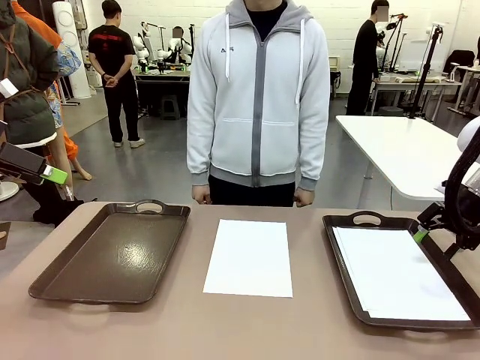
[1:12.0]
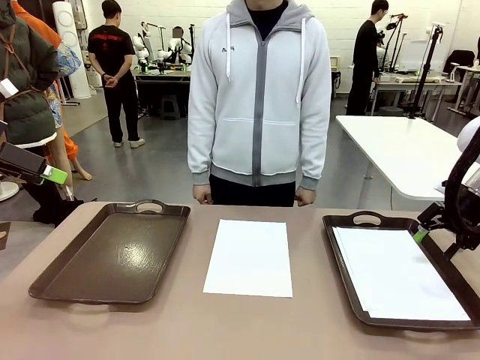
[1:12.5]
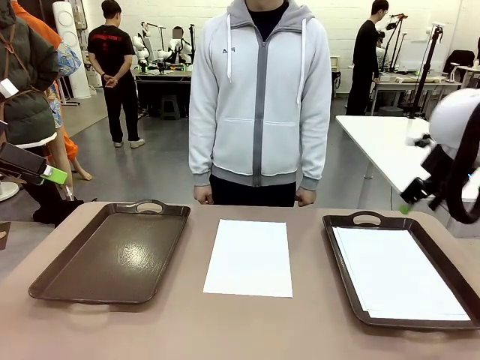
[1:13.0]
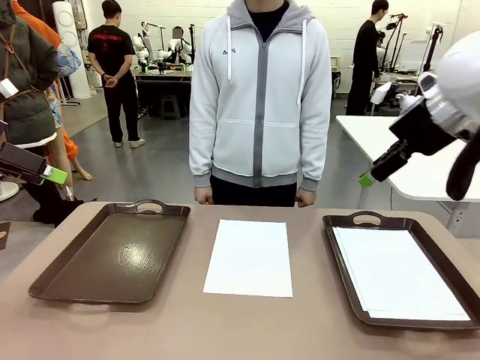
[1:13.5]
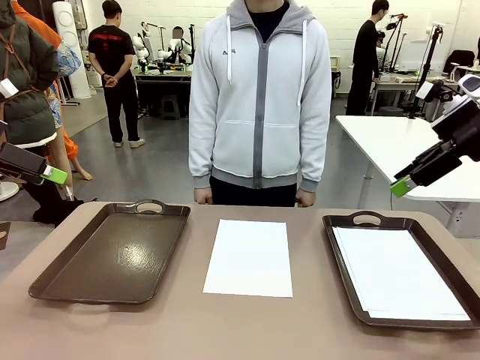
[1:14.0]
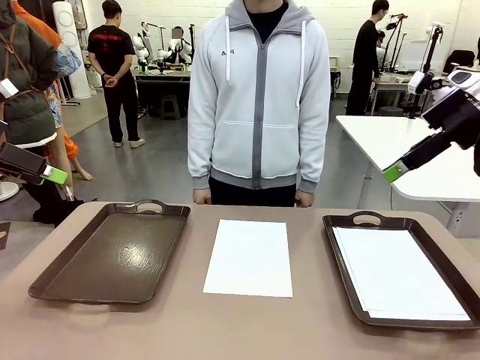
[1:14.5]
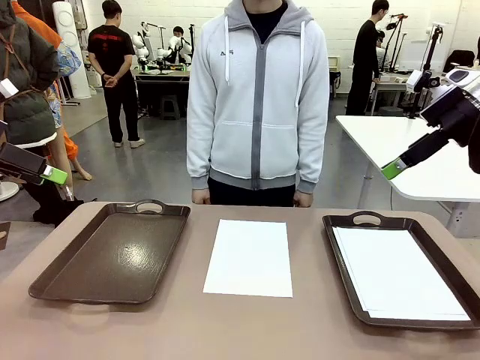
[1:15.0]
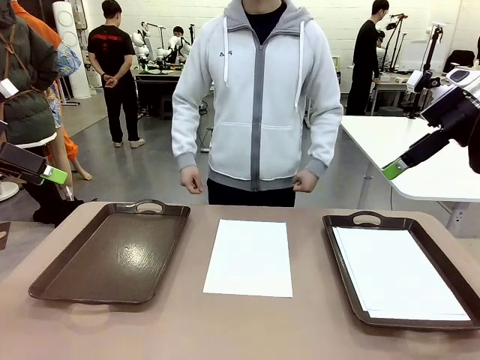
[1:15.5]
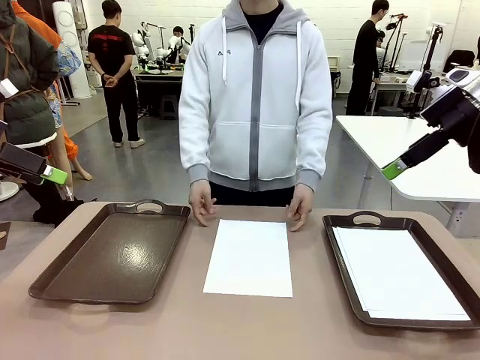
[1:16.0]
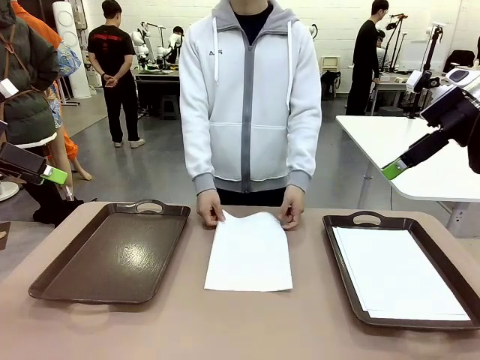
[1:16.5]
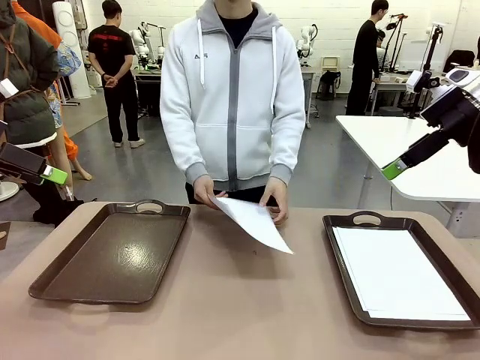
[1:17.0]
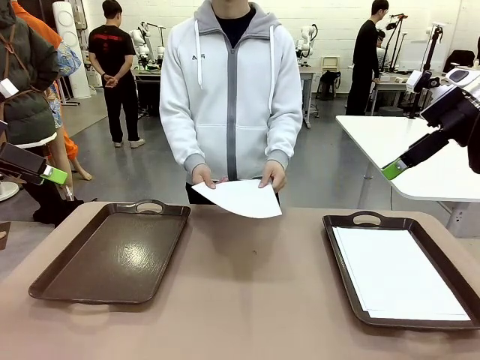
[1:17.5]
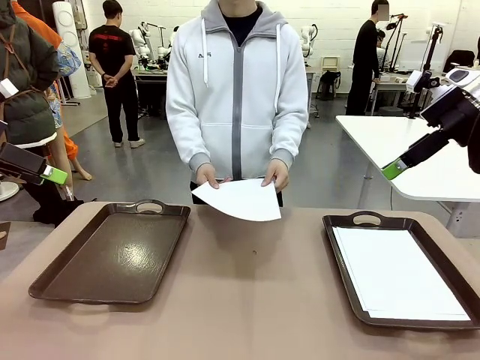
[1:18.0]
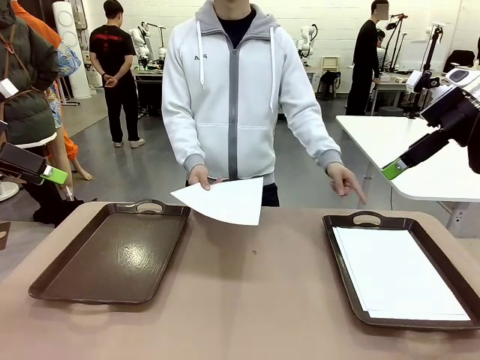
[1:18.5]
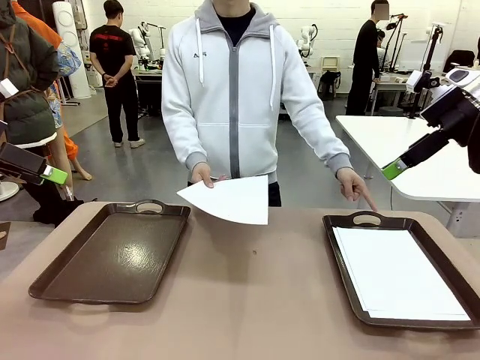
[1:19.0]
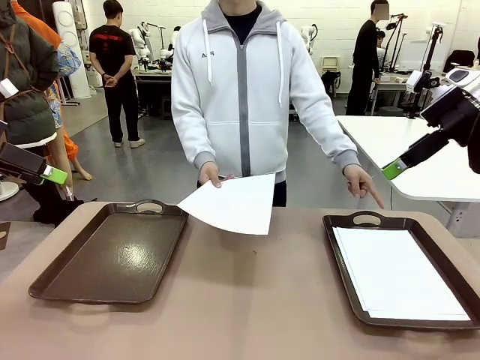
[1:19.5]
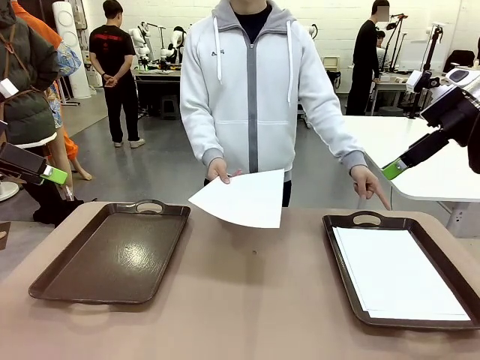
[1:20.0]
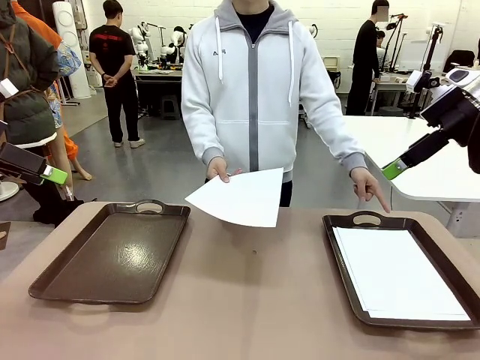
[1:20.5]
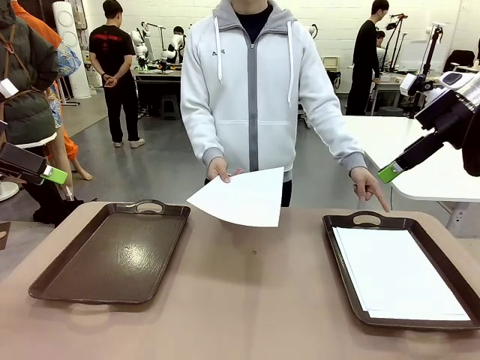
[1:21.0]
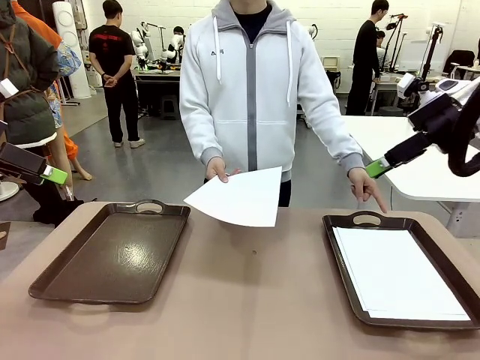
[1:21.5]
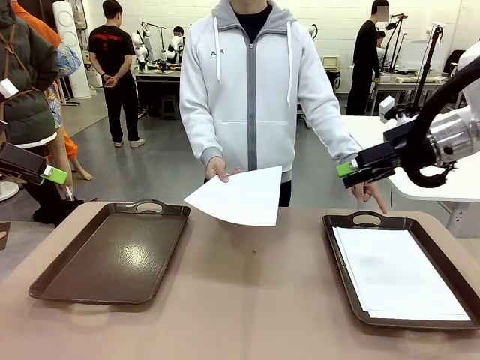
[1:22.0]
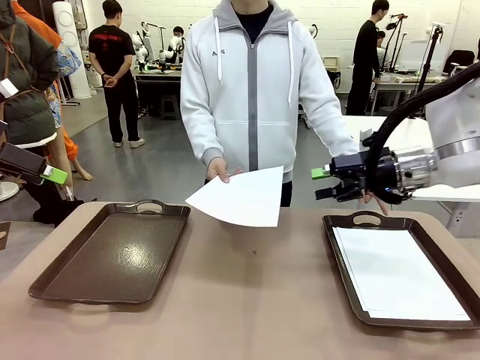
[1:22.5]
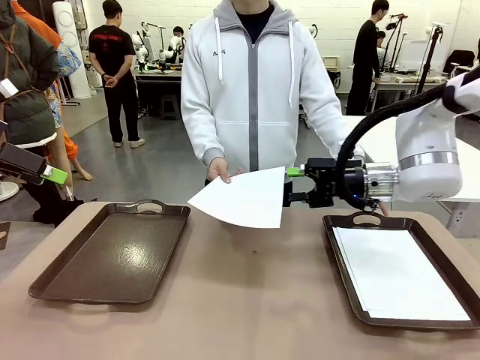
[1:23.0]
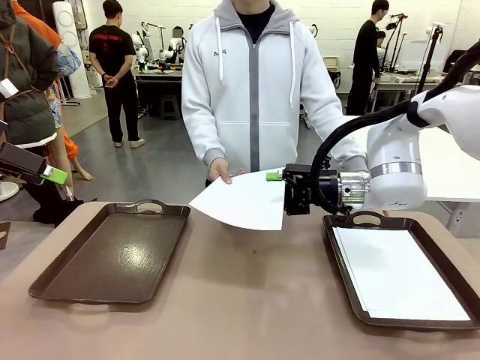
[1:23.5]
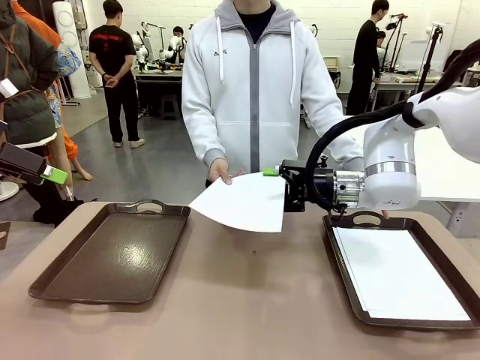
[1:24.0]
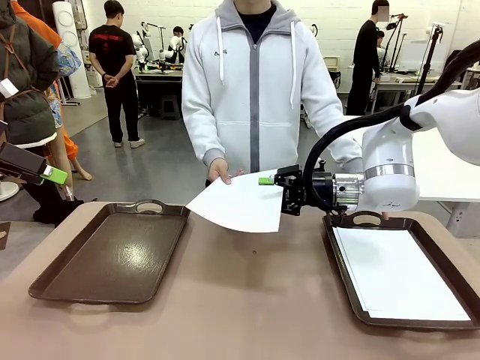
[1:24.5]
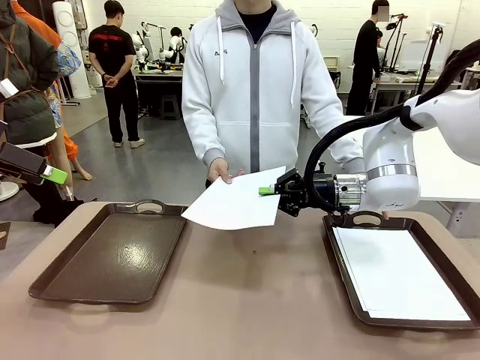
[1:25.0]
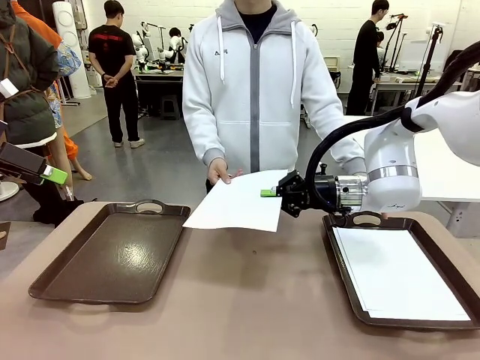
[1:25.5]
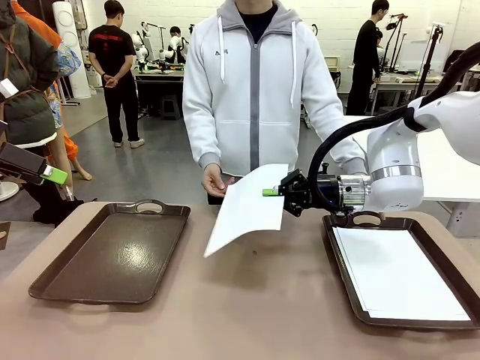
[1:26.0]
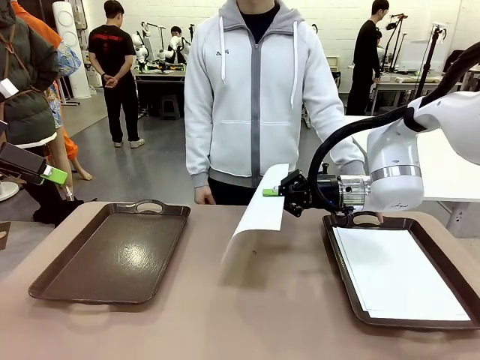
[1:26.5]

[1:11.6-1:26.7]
Task: Sort the A4 documents.
Robot: Receive the A4 Paper.
Person: Point the randomly selected tray with the other hand.

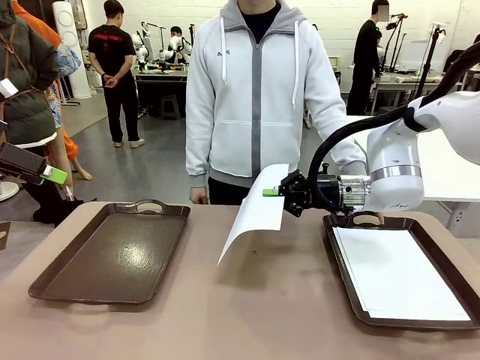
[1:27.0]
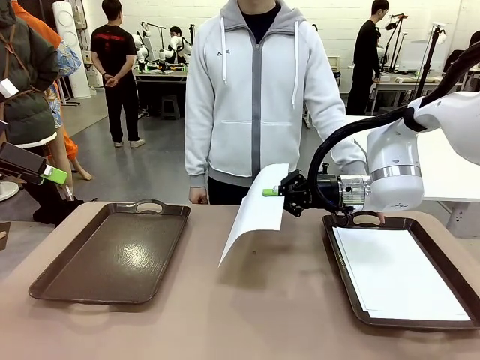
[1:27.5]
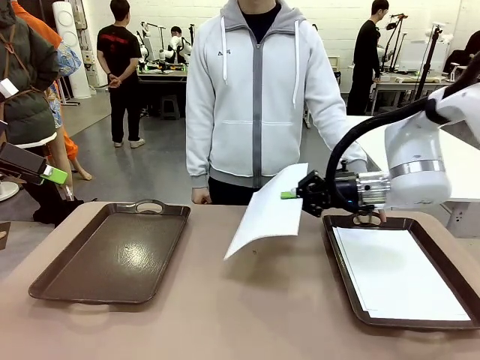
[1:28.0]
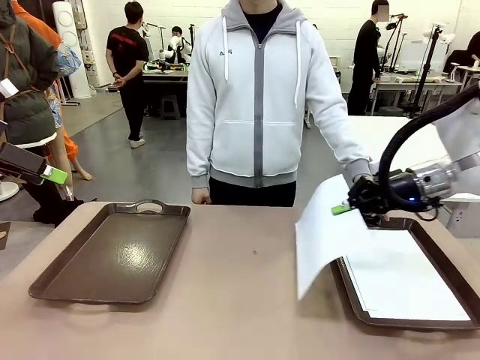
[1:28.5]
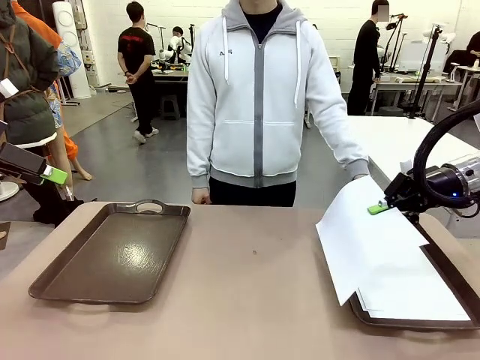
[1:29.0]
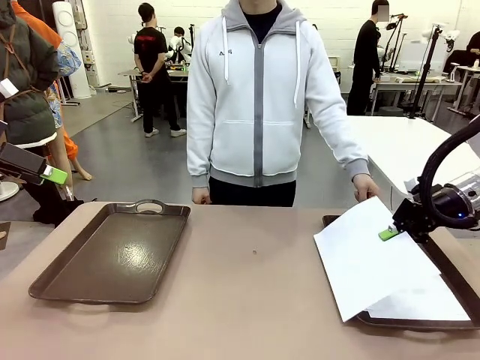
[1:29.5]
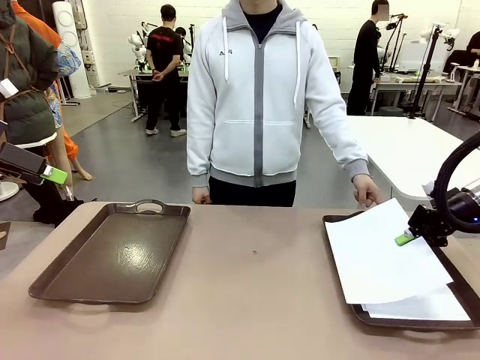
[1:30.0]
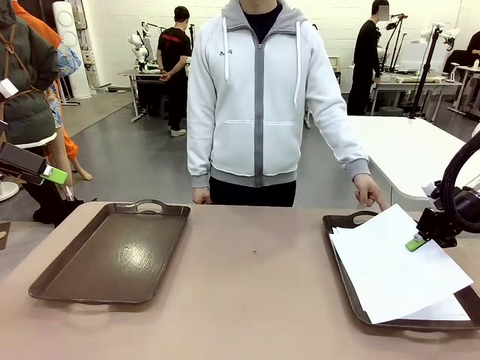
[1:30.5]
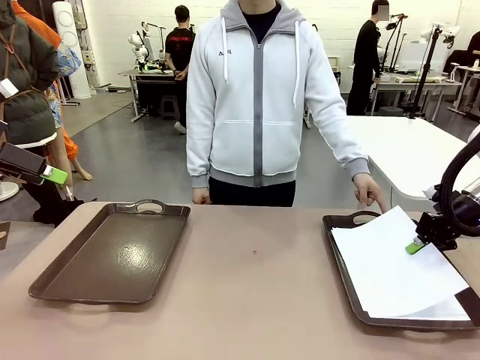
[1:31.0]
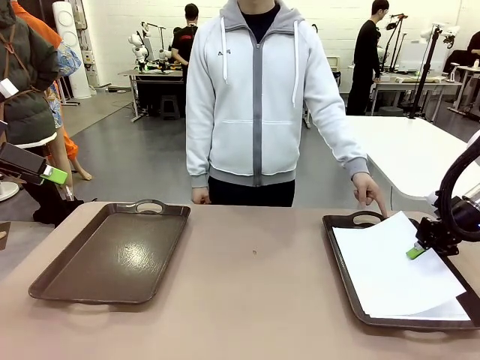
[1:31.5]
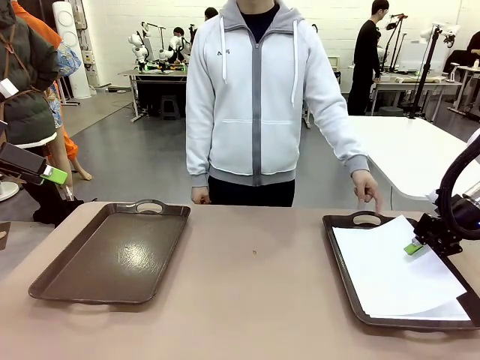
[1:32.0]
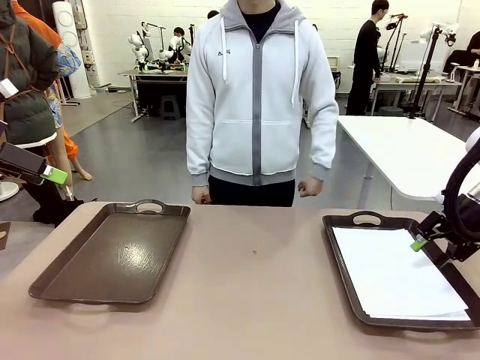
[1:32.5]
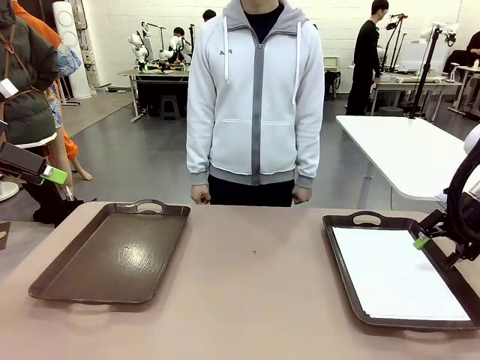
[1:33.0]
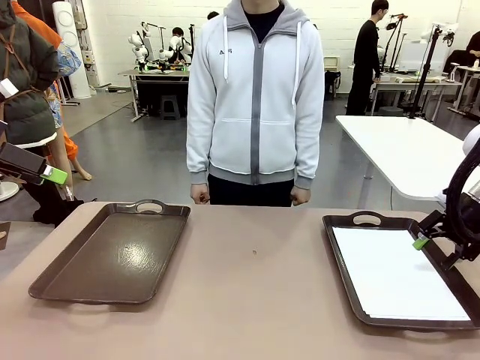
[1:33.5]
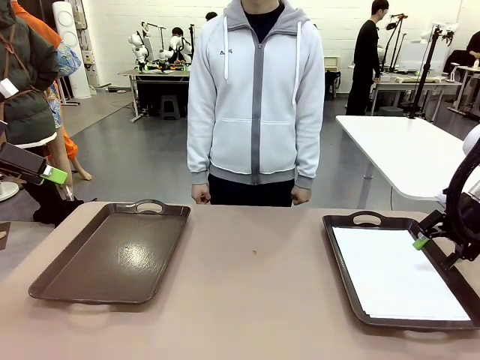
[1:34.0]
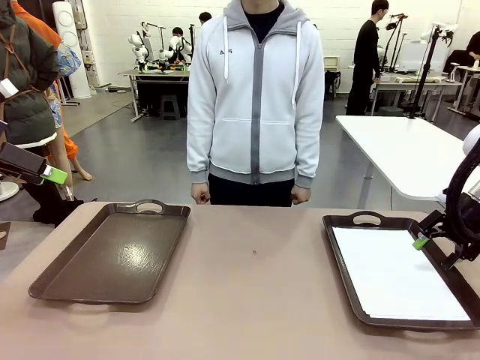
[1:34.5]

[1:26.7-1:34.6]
Robot: Place the A4 Paper in the designated Handle tray.
